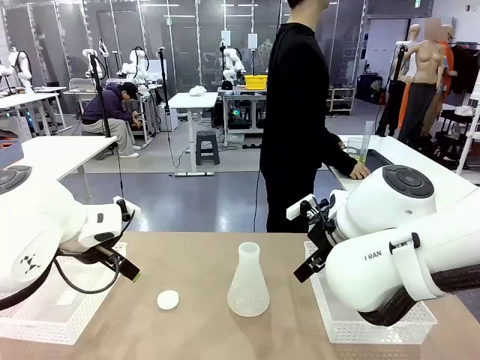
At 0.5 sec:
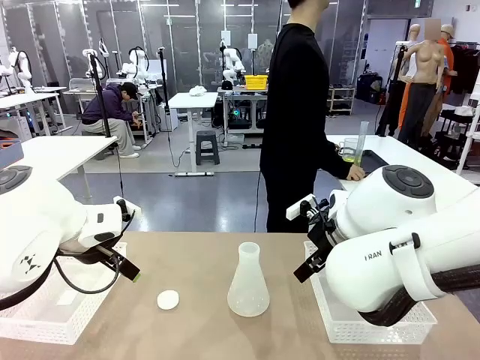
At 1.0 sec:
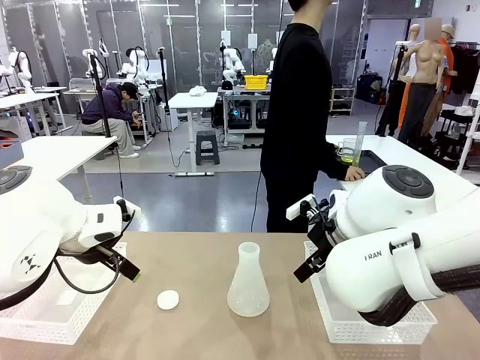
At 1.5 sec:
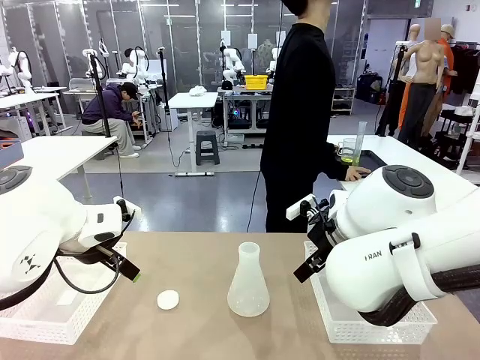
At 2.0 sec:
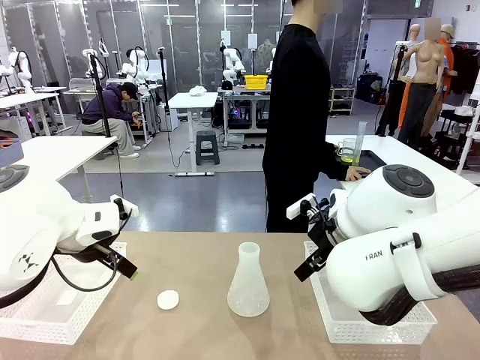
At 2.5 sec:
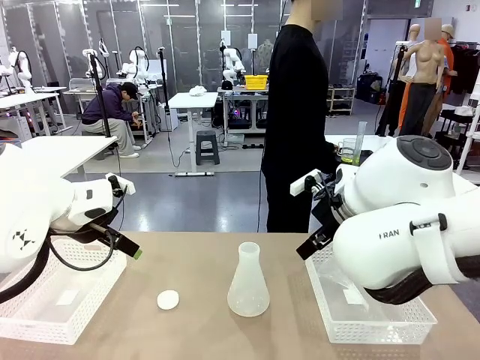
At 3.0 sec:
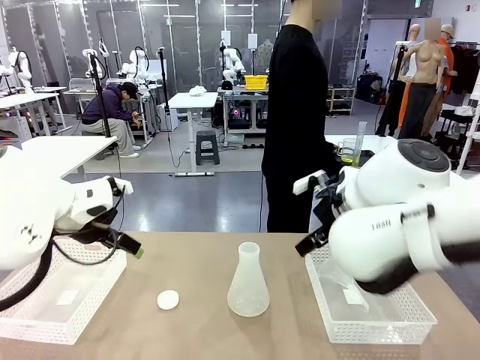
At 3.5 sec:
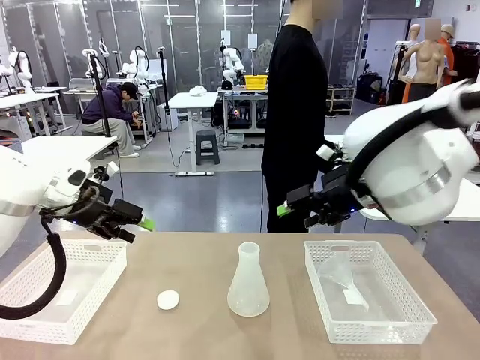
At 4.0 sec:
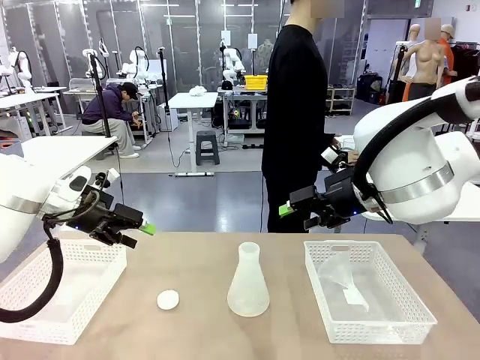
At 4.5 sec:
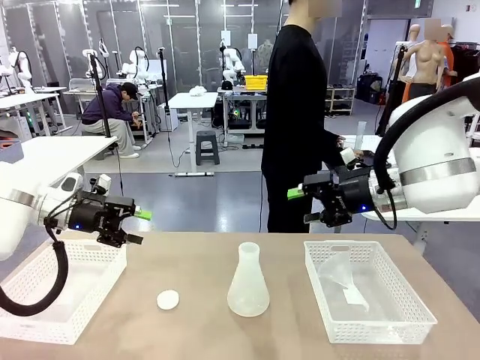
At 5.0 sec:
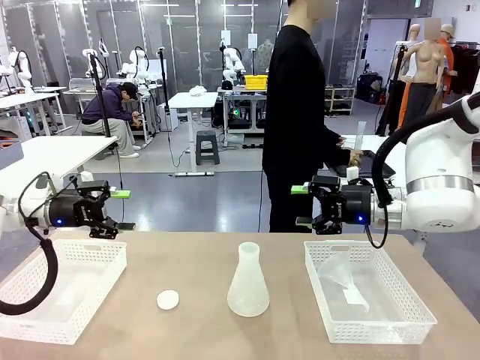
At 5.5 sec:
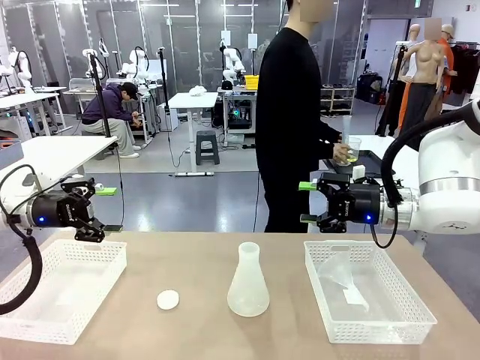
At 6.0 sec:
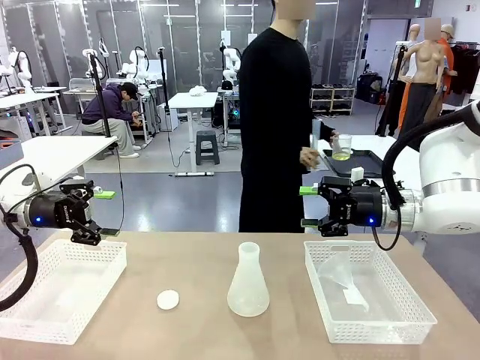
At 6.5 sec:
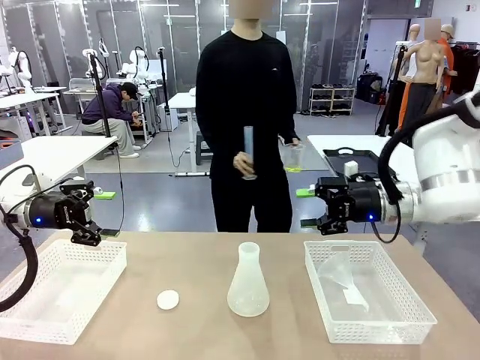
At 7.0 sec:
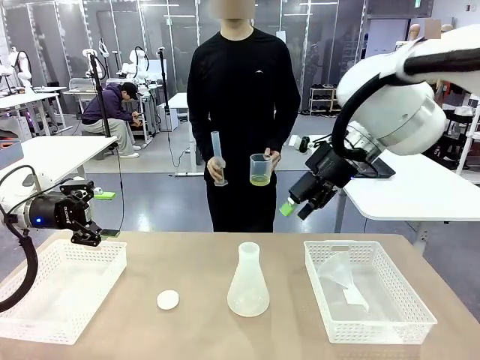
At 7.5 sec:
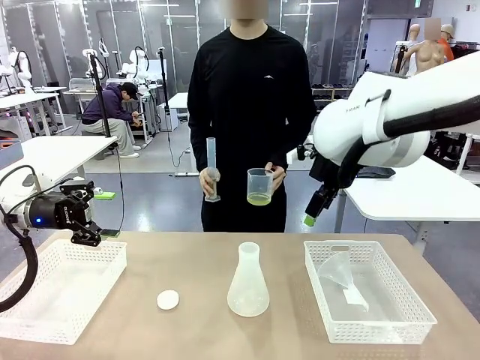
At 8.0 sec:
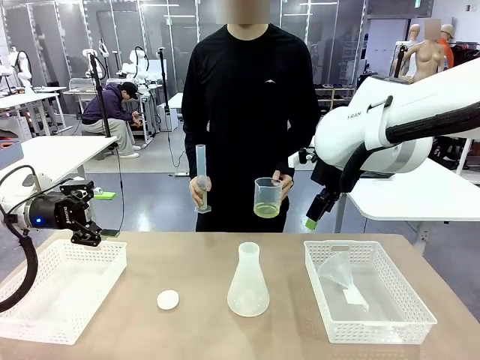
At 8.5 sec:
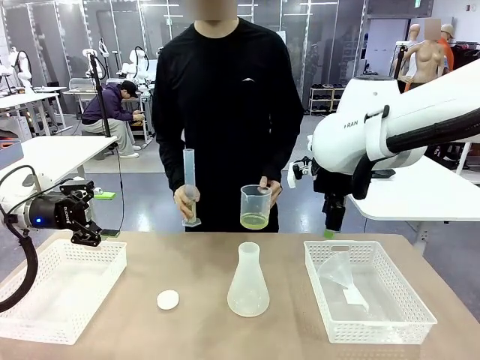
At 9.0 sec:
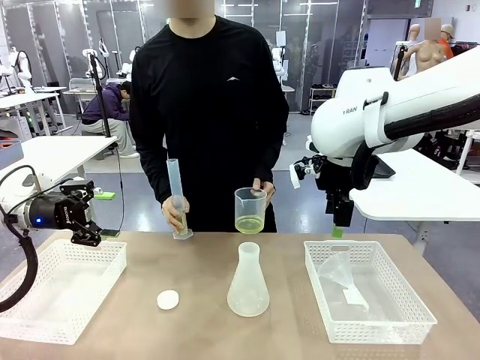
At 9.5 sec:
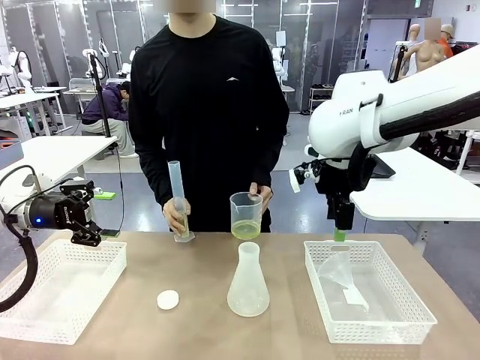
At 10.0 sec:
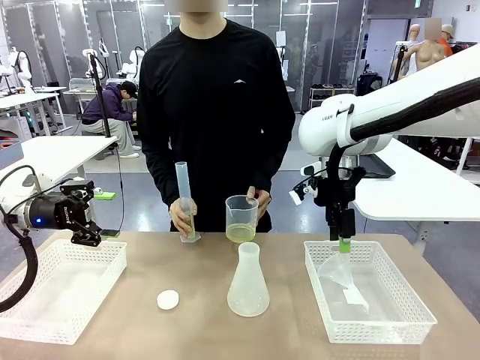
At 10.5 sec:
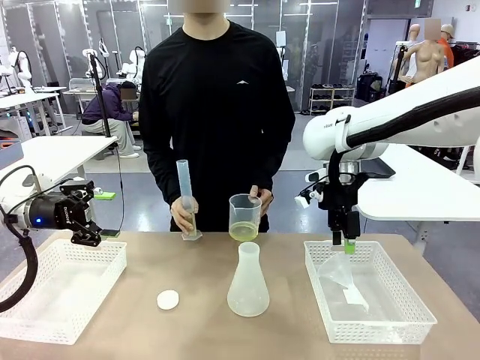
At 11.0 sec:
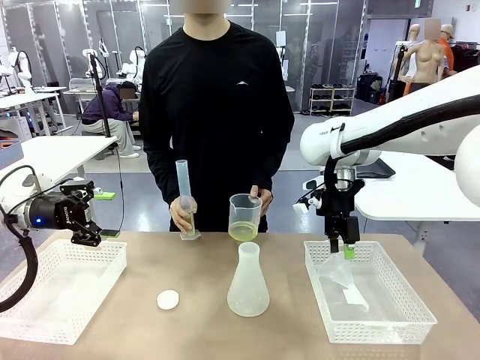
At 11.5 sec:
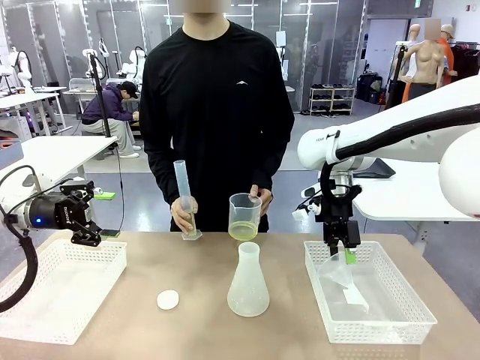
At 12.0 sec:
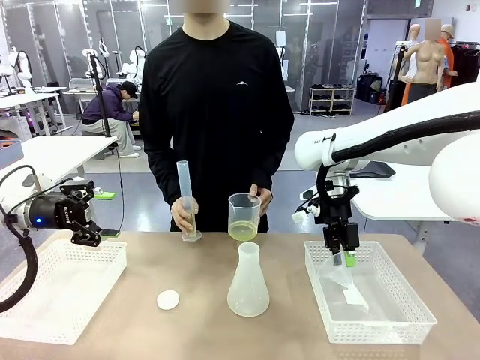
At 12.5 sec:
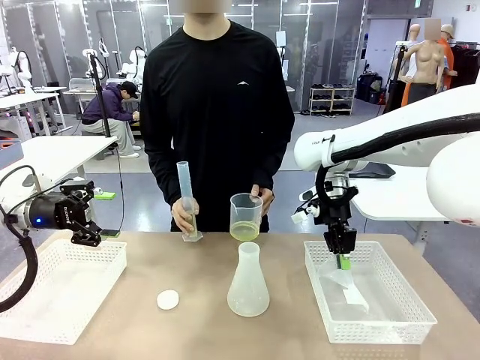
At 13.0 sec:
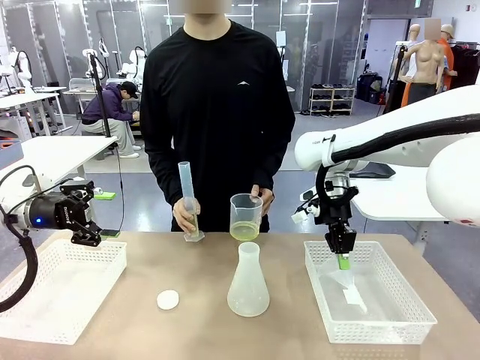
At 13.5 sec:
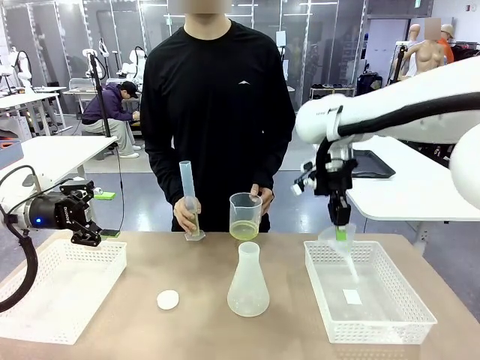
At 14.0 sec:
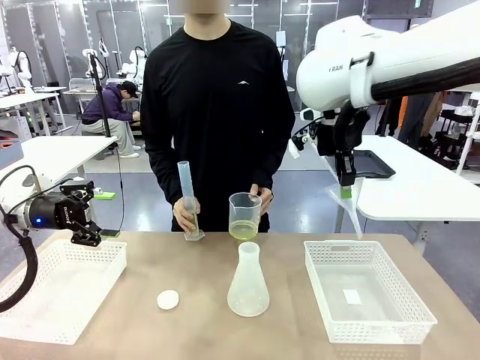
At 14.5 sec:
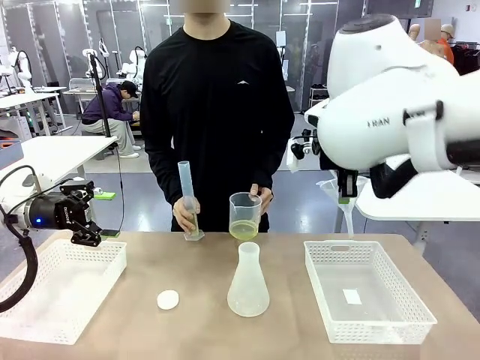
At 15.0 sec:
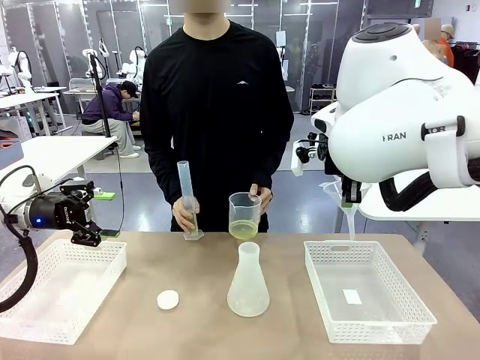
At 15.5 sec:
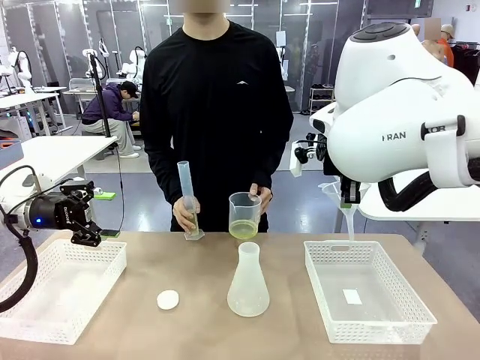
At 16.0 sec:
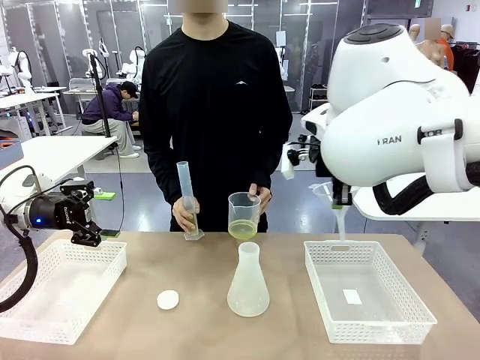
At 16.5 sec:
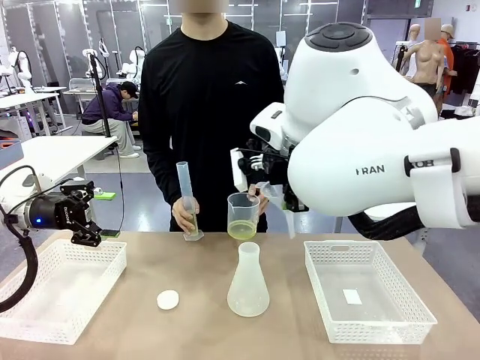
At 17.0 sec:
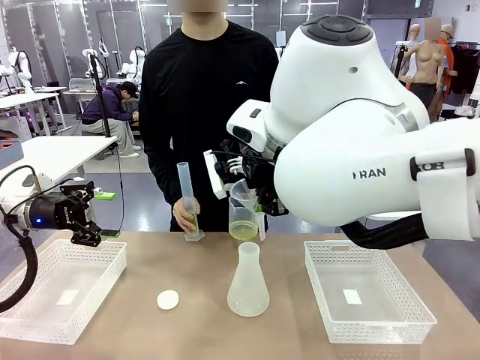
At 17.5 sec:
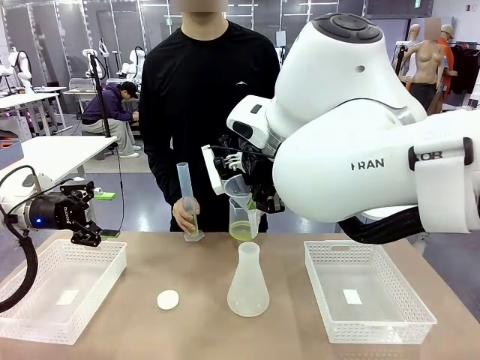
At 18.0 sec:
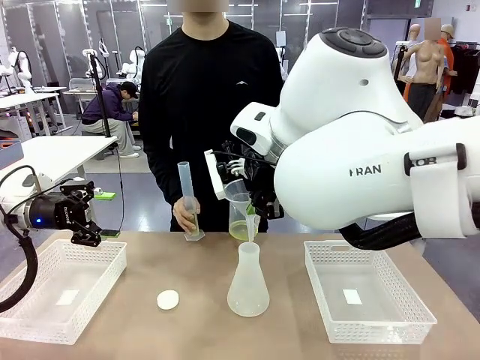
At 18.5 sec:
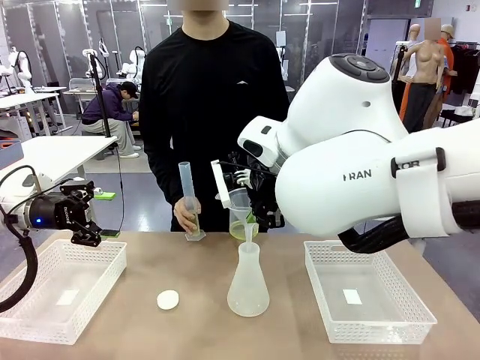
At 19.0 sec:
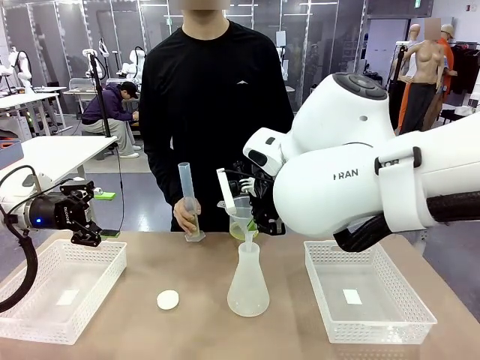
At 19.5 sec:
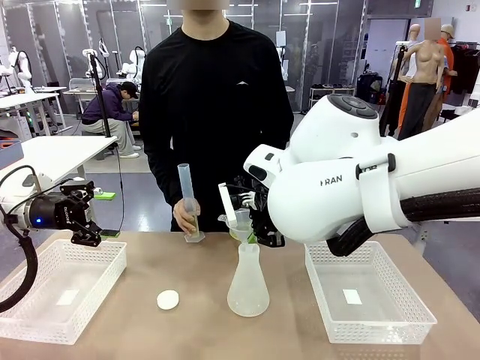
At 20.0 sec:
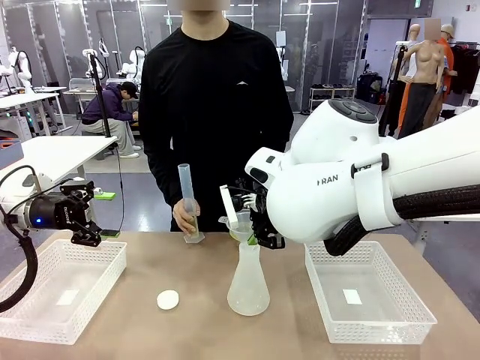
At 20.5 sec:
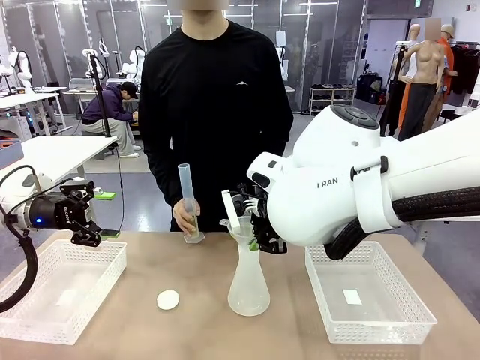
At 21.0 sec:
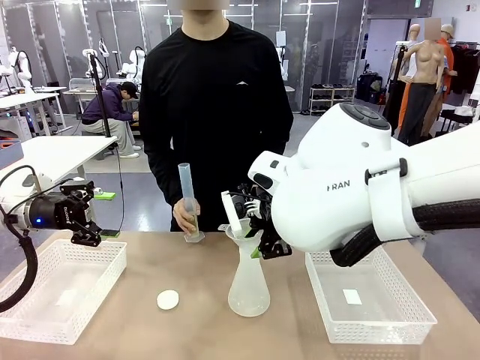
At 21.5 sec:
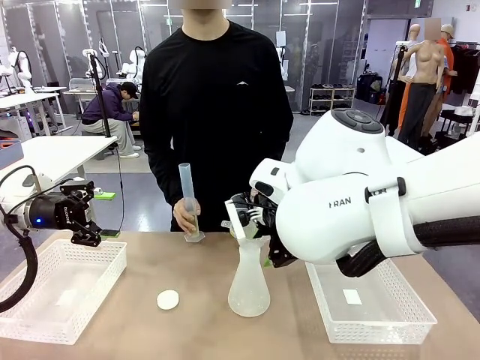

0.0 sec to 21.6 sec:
Task: Prepare the solutions needed for the experiment.
Robot: Pick up the Plastic Funnel and insert it into the Big flask.
Person: Pick up the beaker and the cylinder and move to the middle of the robot table. Pour the solution from the beaker and the cylinder into the flask.
